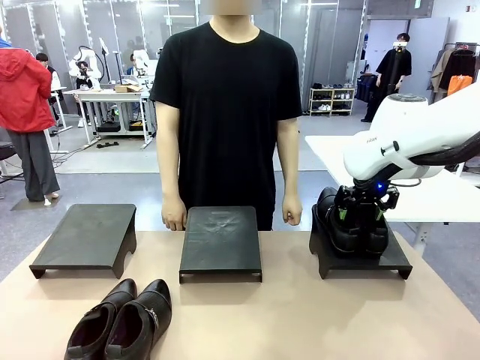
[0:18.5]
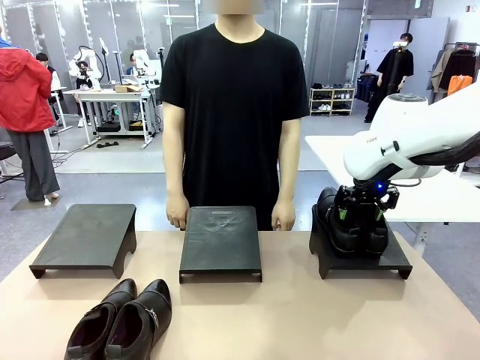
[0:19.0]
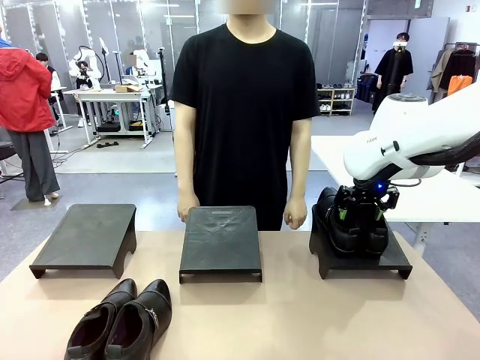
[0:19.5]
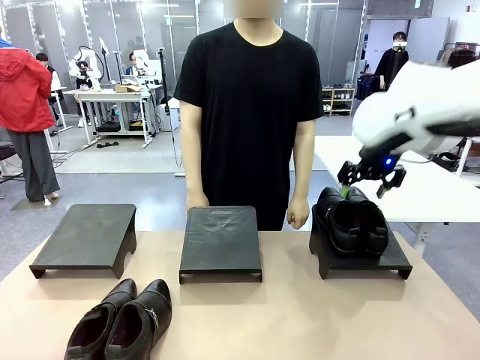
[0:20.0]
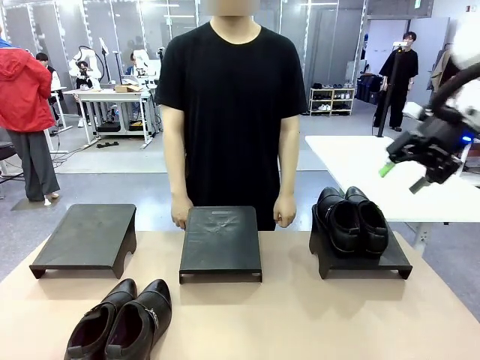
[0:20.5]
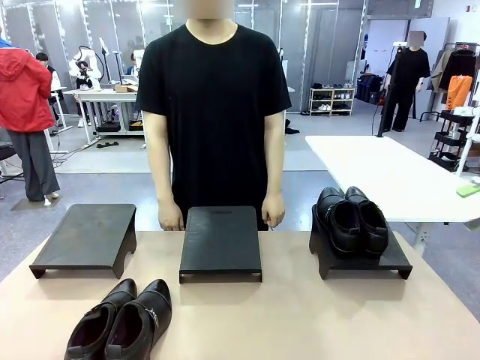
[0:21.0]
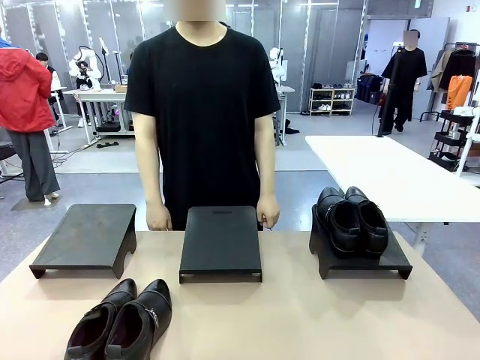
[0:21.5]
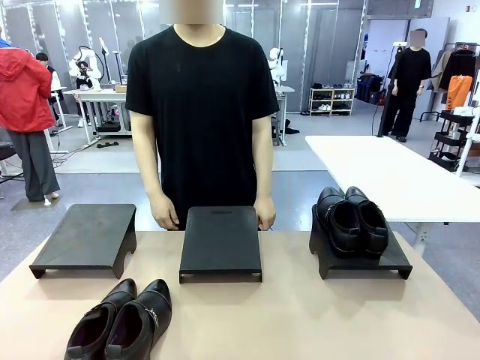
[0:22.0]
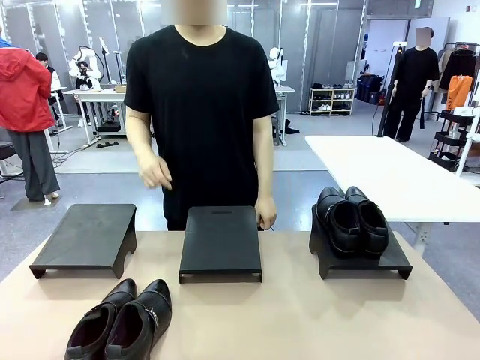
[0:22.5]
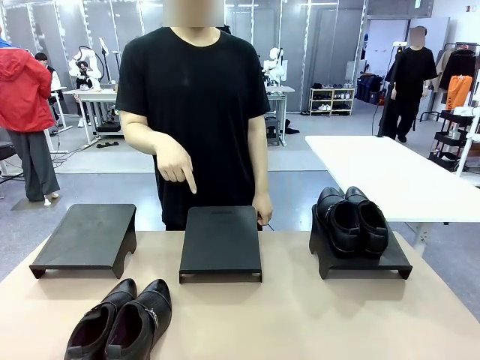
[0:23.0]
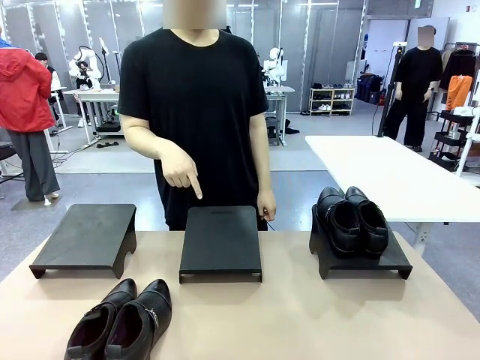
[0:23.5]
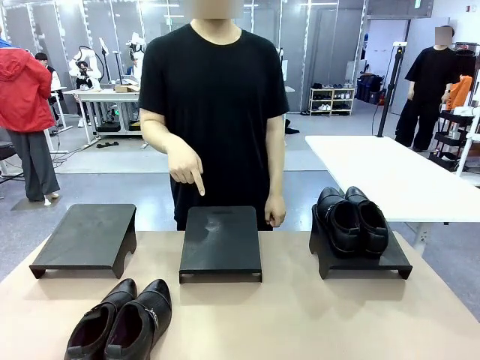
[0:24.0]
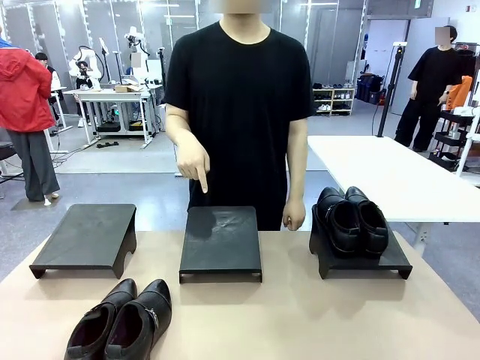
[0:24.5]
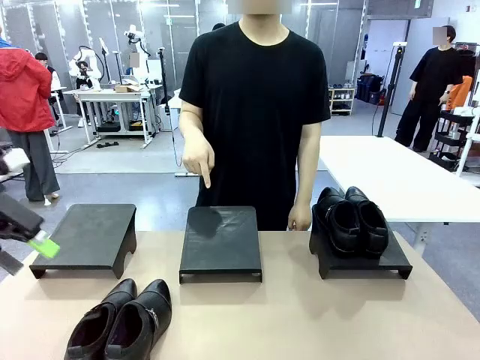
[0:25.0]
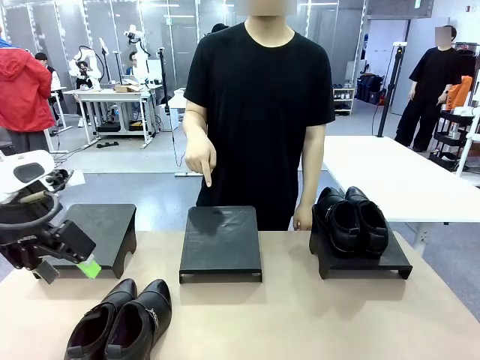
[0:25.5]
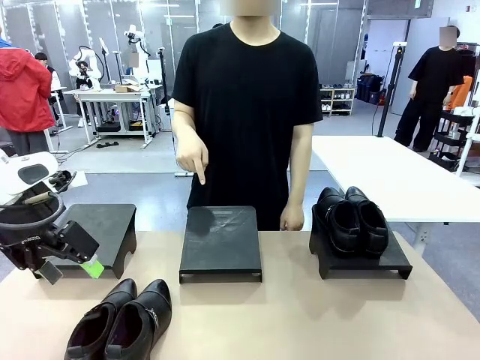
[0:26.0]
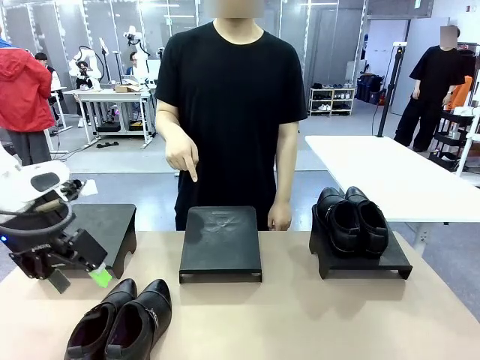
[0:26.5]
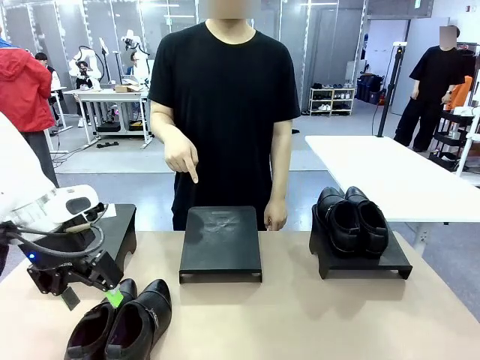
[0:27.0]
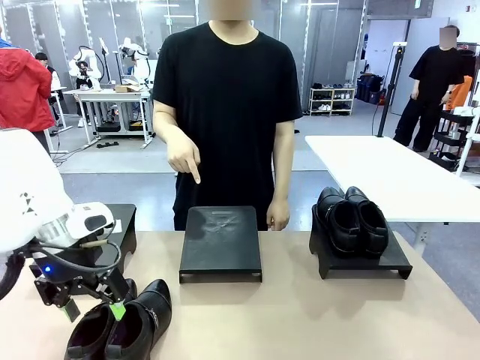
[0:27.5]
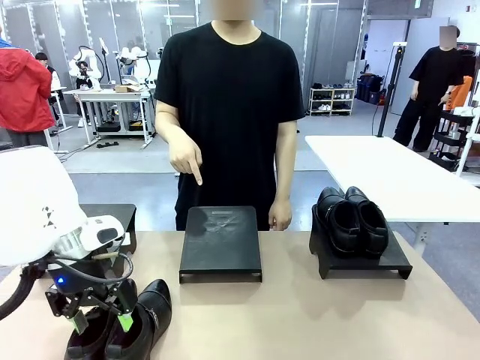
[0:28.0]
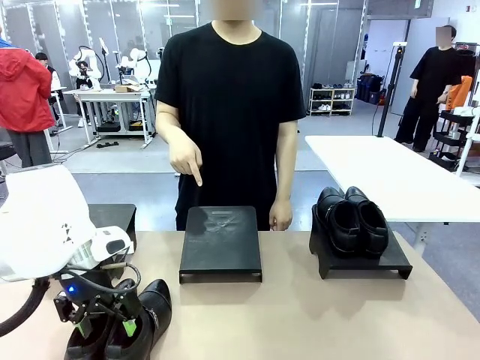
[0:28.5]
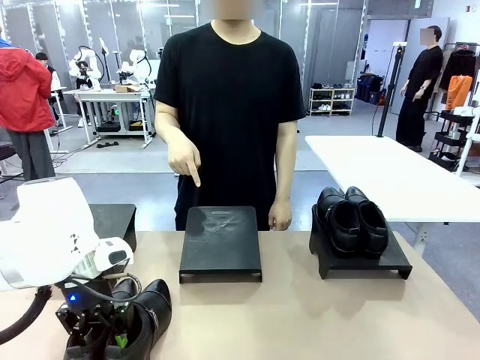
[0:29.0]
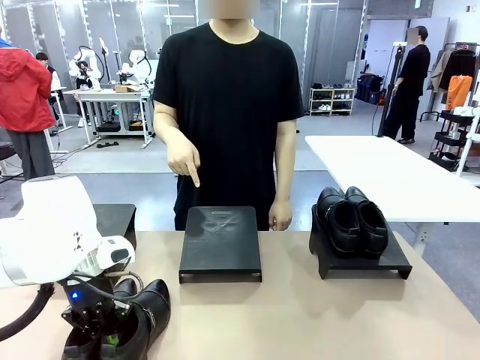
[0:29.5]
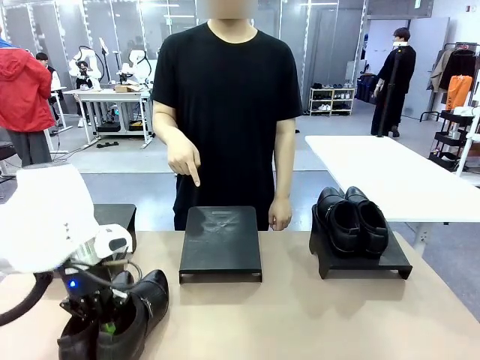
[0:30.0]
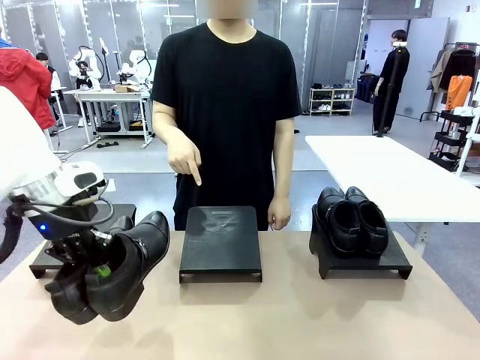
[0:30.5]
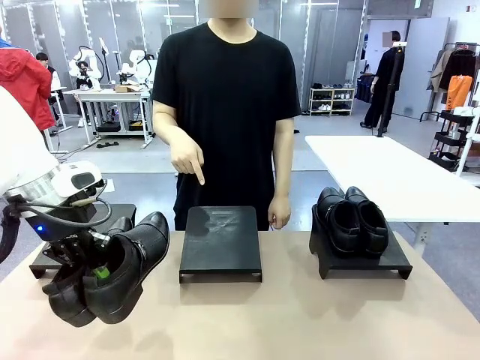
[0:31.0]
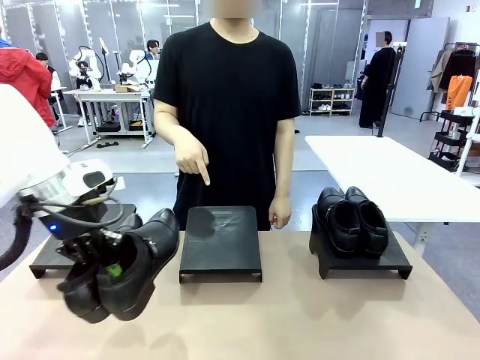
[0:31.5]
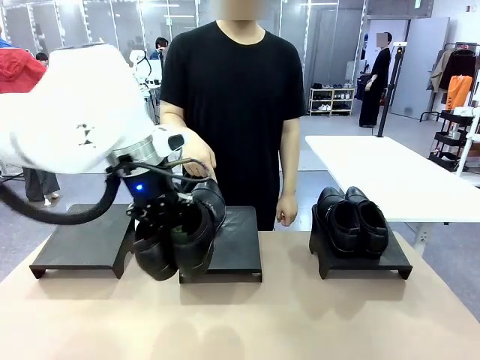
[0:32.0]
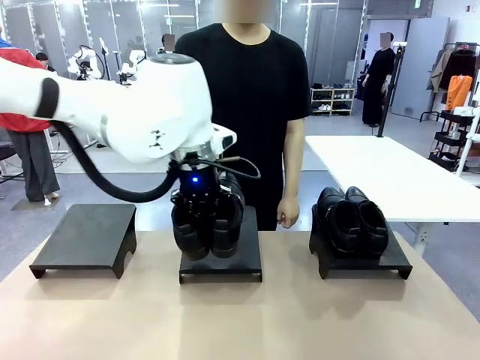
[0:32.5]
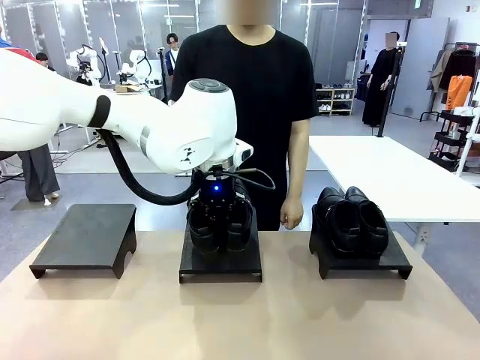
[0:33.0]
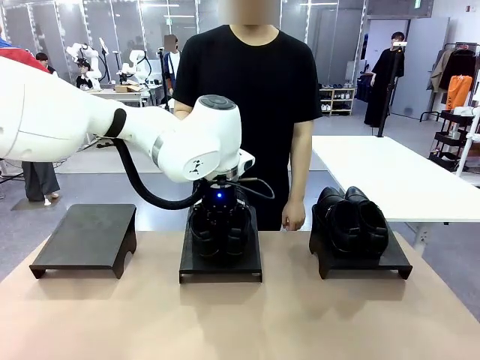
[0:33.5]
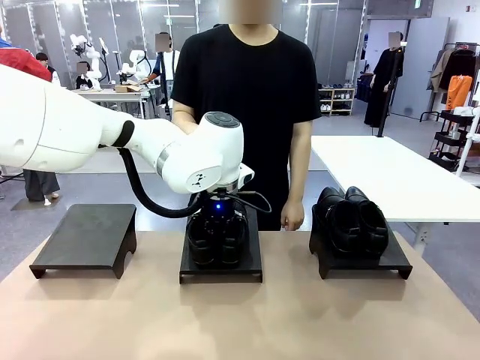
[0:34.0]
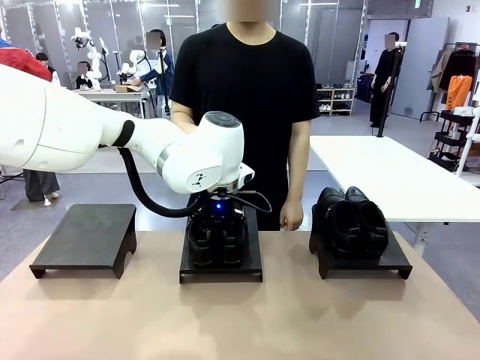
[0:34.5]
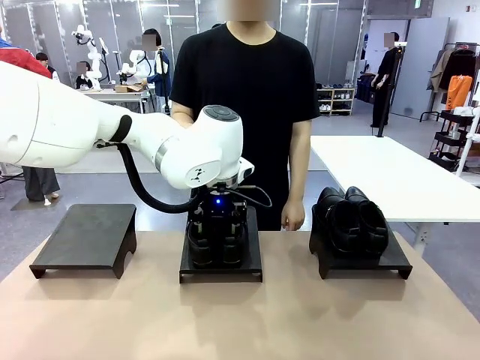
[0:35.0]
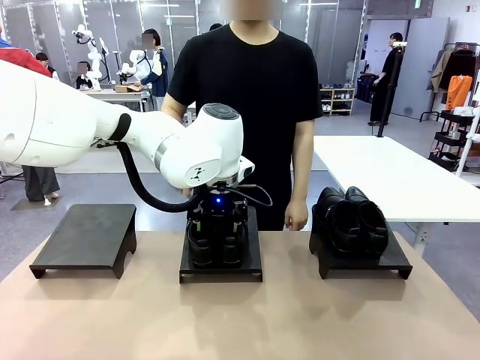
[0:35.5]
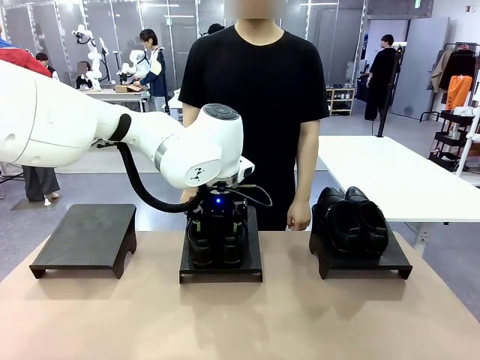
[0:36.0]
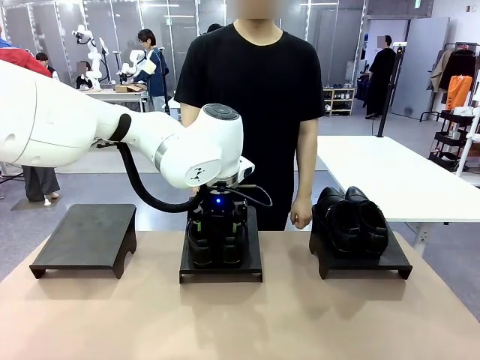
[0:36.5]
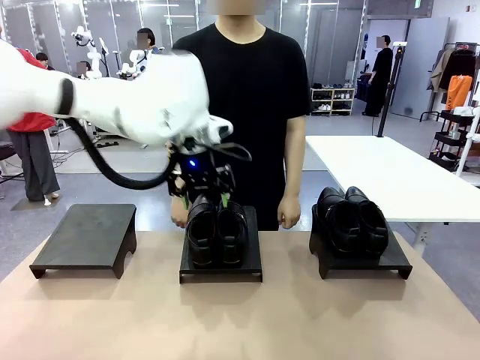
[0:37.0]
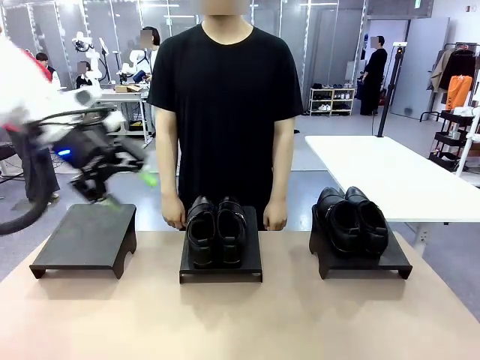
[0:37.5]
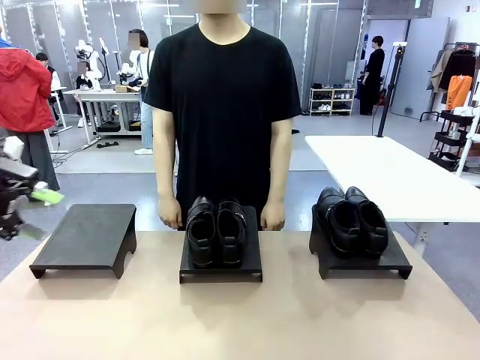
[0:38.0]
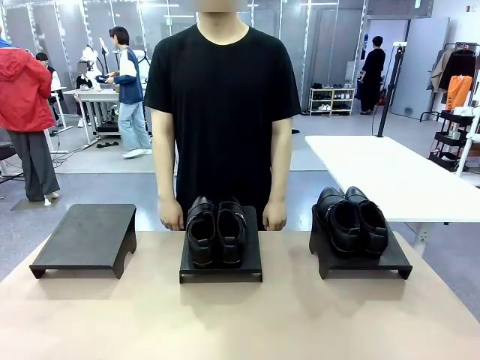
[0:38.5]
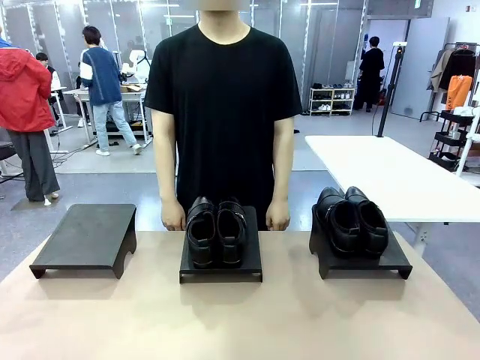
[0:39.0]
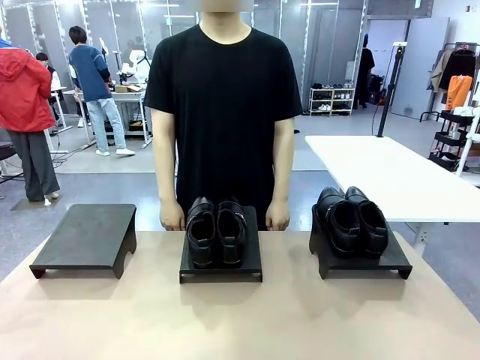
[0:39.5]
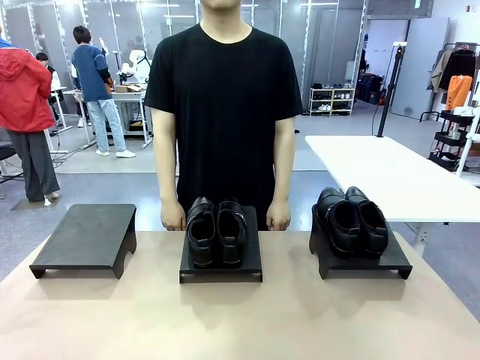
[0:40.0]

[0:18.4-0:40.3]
Task: Place the shoes on the stand as instructed by the person.
Robot: Pick up another pair of Shoes and place it on the Shoes Stand indicated by the person.
Person: Point to one Shoes Stand.
